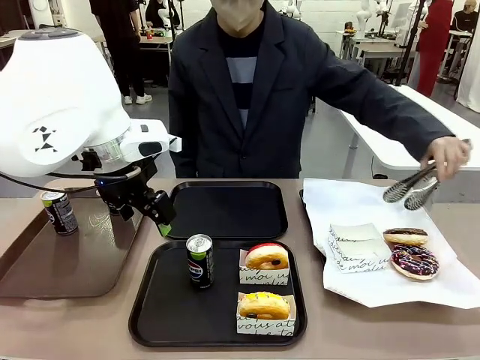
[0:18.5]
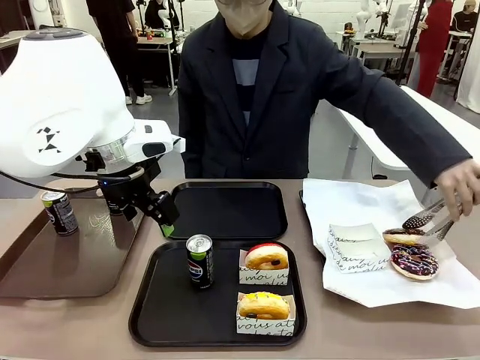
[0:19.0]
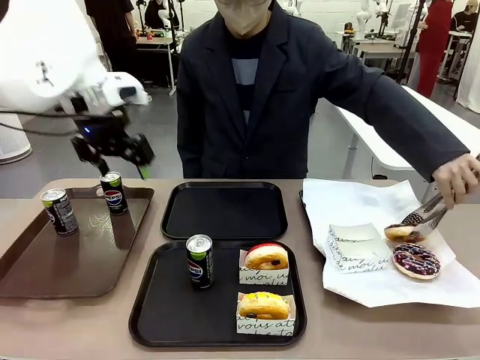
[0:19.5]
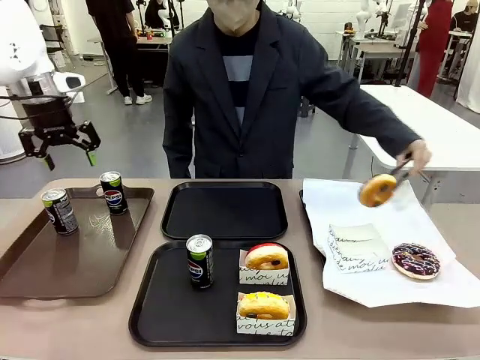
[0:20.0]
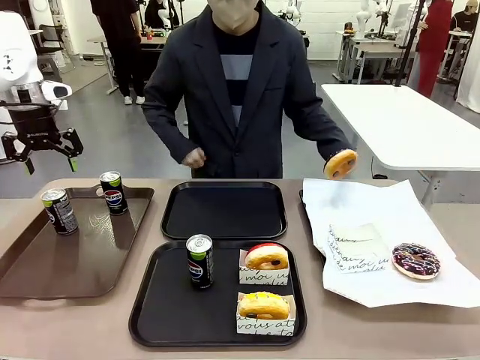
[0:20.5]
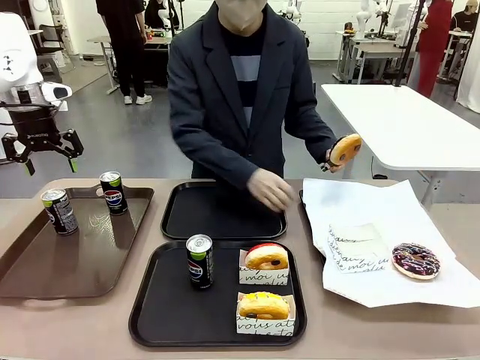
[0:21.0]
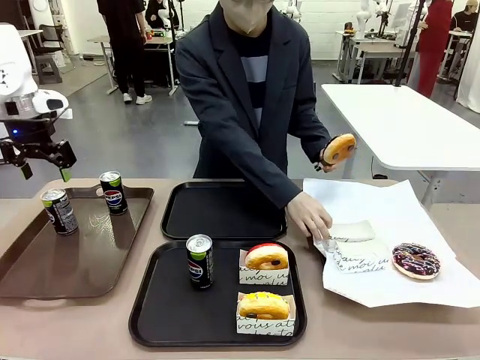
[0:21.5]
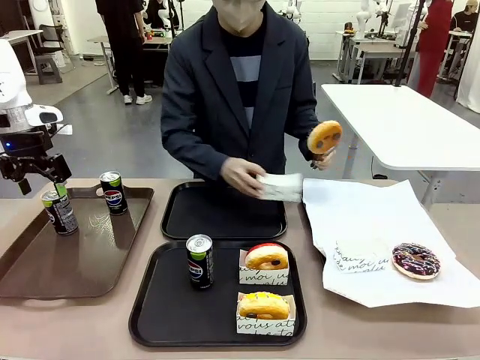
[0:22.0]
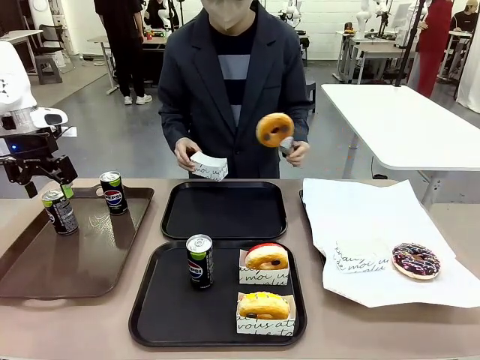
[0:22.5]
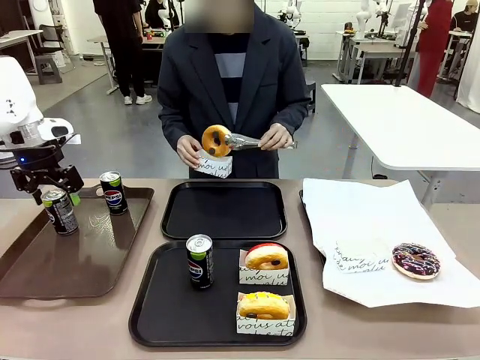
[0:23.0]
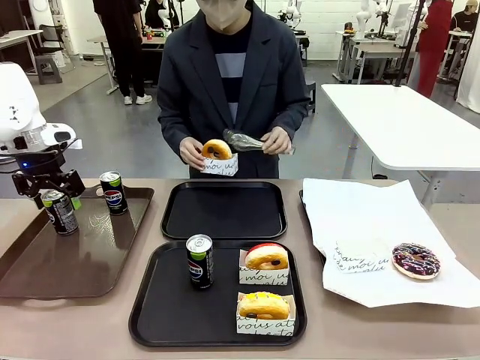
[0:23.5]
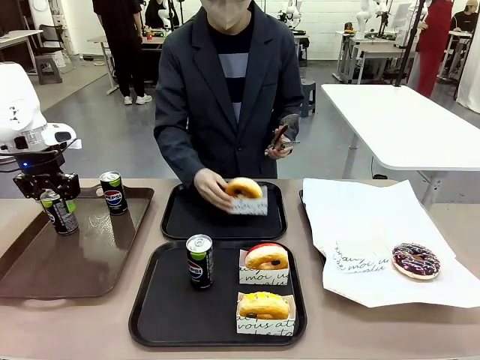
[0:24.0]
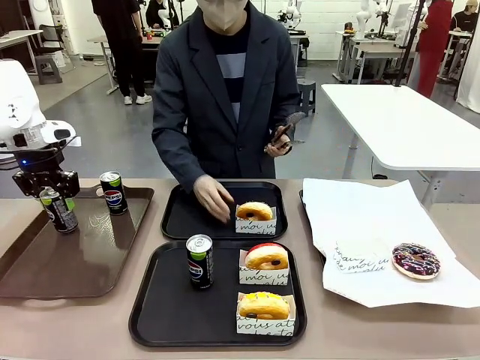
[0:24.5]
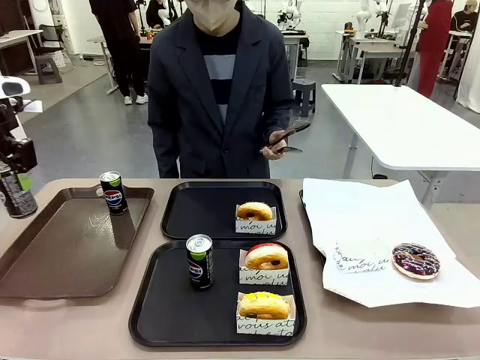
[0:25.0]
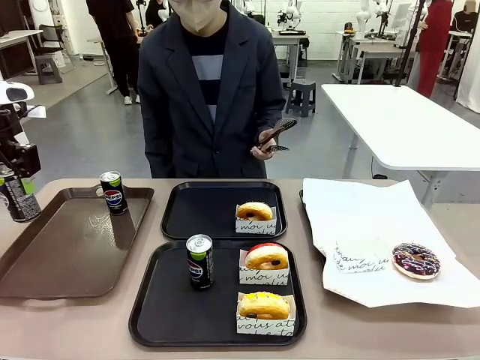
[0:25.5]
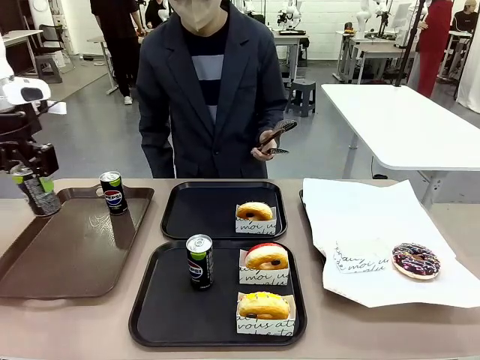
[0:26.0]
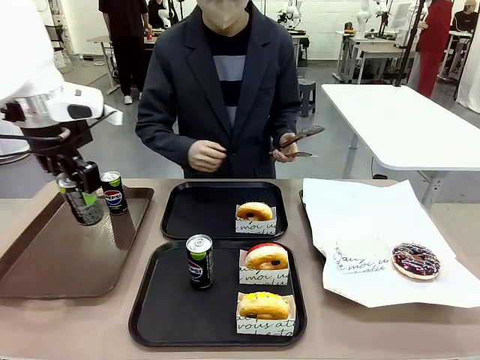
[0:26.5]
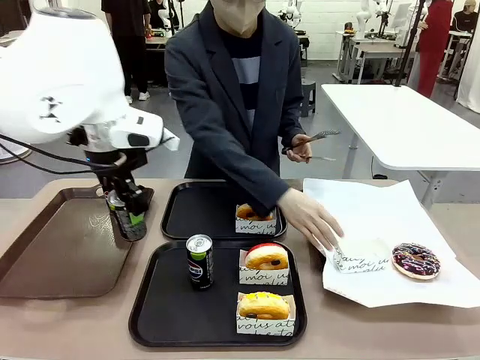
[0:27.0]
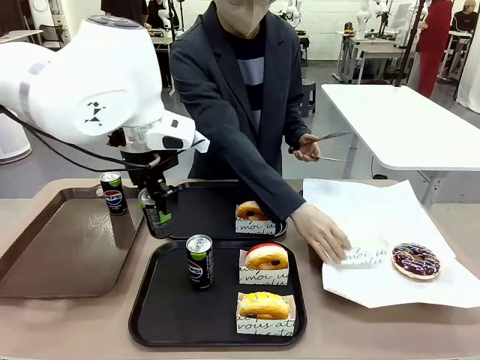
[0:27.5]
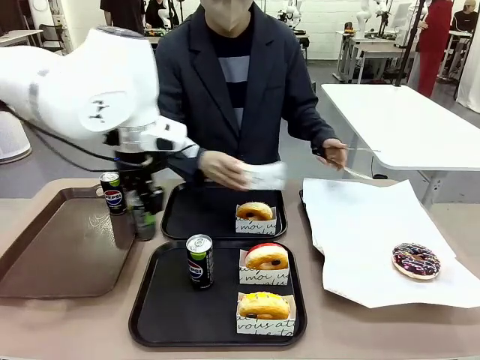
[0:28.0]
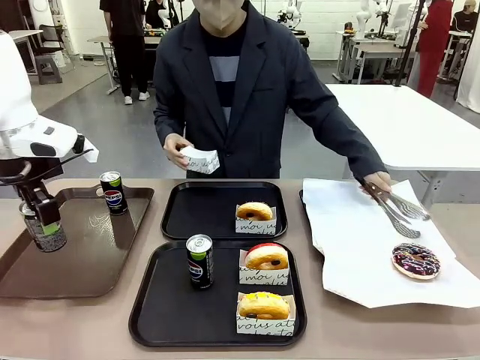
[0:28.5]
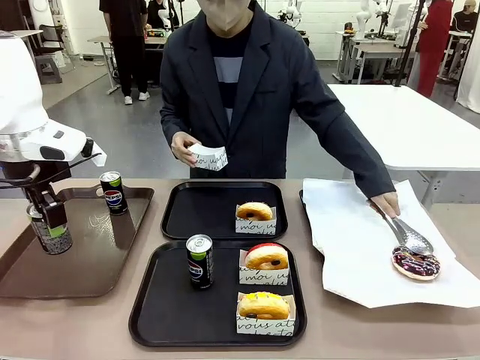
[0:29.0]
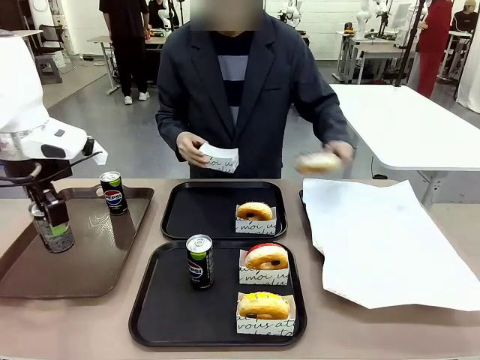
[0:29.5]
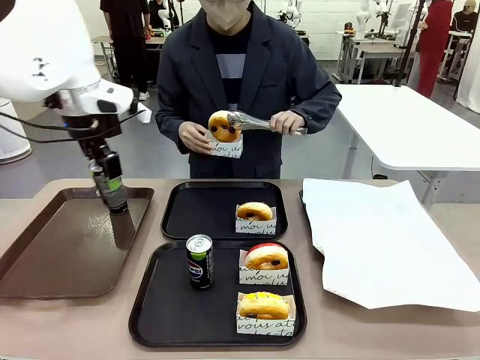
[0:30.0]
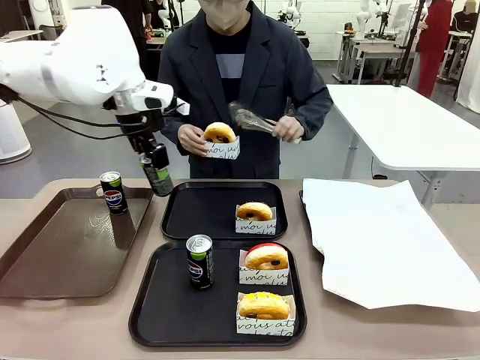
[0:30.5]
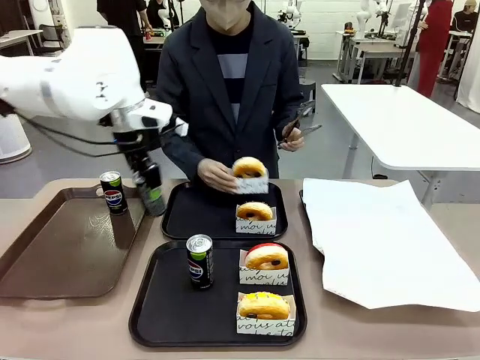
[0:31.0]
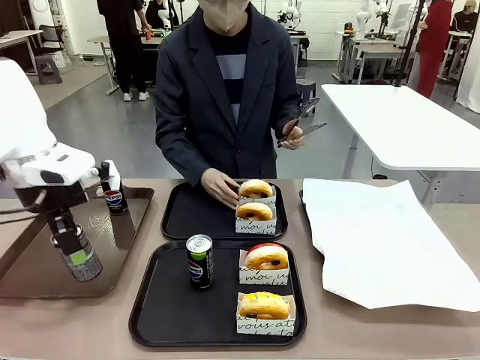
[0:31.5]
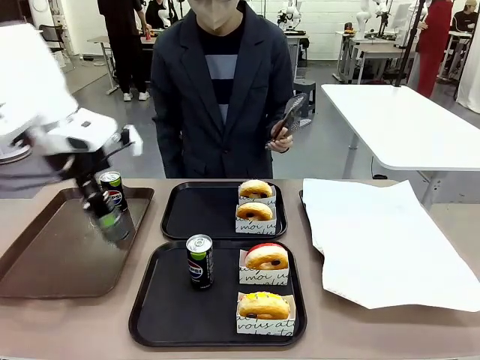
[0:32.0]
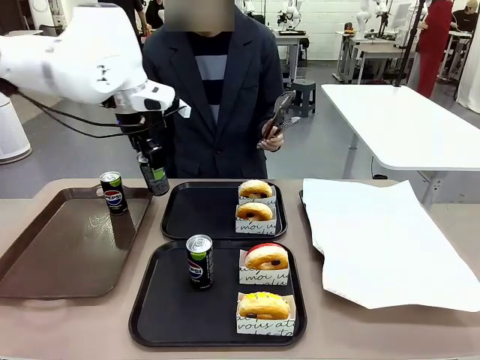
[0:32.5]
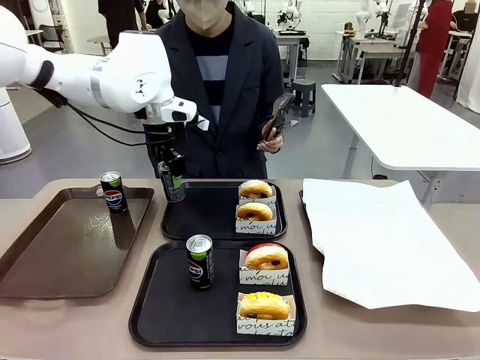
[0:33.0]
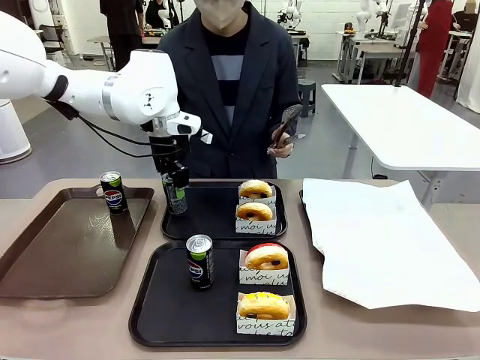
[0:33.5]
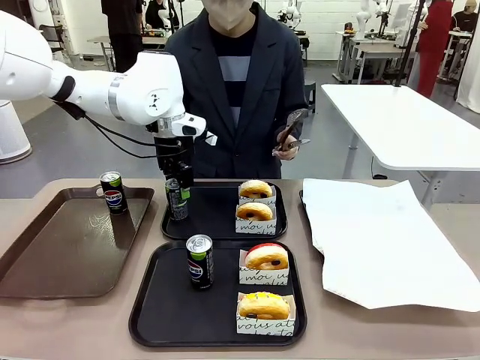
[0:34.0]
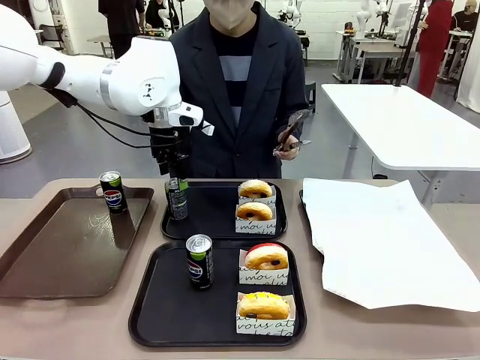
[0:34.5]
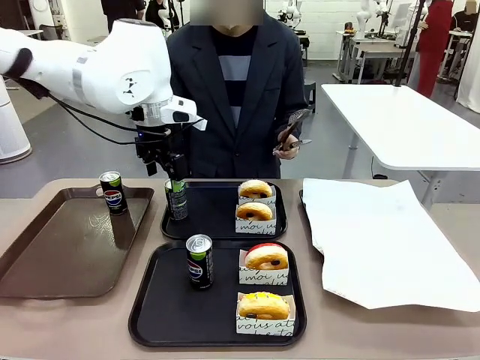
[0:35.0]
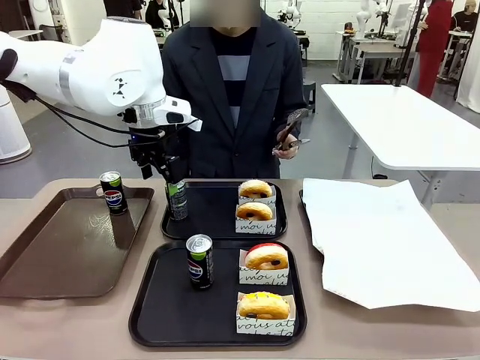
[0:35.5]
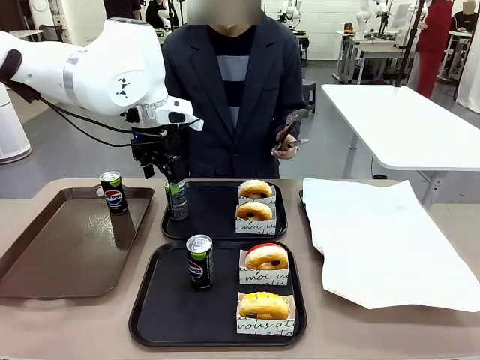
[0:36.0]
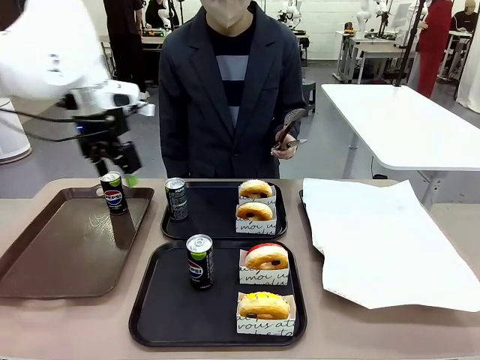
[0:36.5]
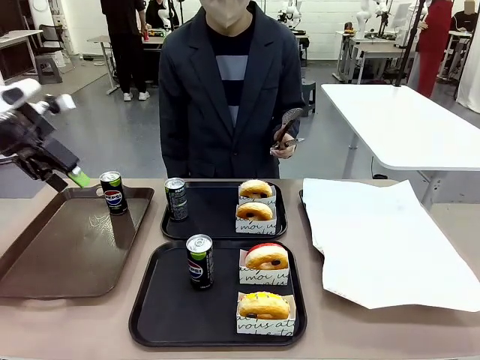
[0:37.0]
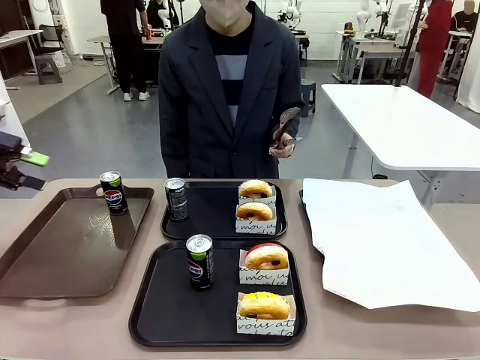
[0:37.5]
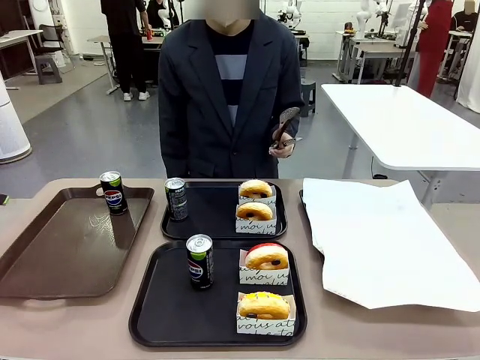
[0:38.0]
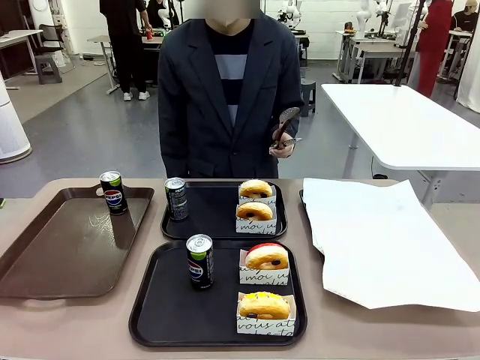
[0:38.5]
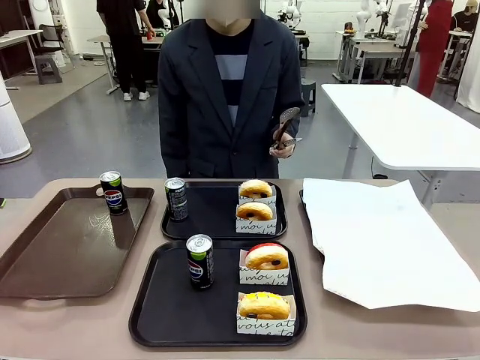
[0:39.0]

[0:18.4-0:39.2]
Task: Set up donuts and drinks on trays.
Robot: Pick up one Pepsi coke from the Handle tray and place it on the Flat Tray without a Pepsi coke.
Person: Pick up one donut with tongs, place it in the donut tray, and then place the donut tray on the flat tray.
